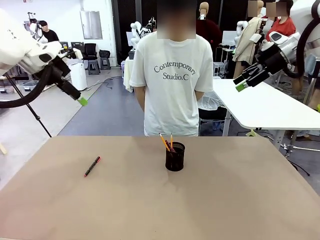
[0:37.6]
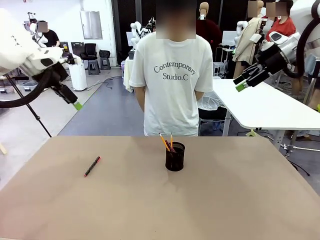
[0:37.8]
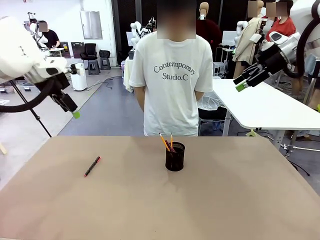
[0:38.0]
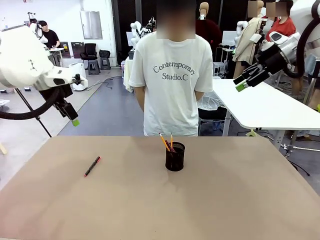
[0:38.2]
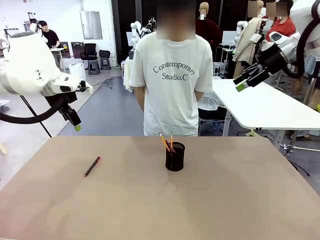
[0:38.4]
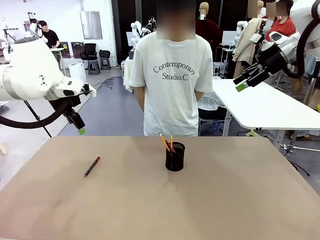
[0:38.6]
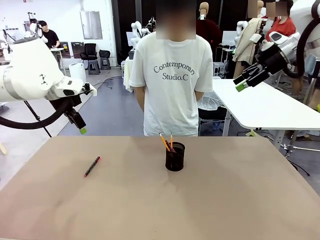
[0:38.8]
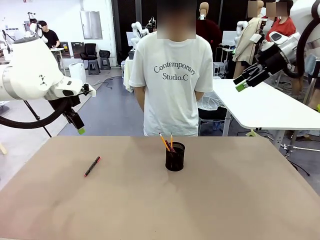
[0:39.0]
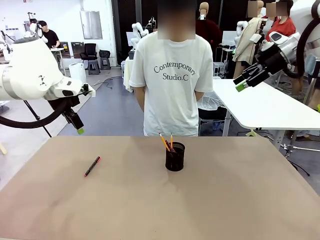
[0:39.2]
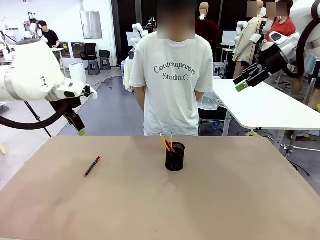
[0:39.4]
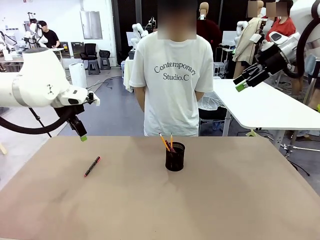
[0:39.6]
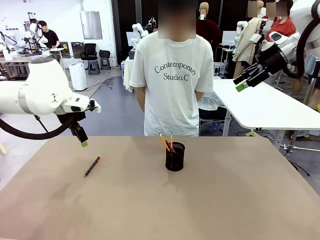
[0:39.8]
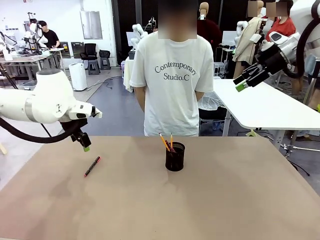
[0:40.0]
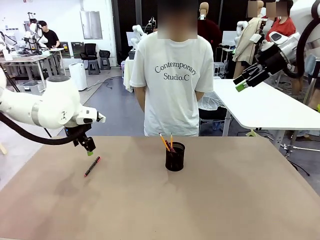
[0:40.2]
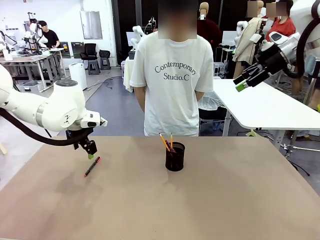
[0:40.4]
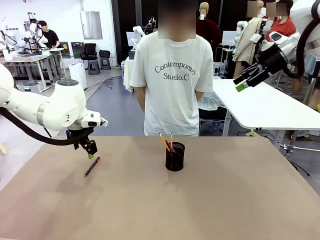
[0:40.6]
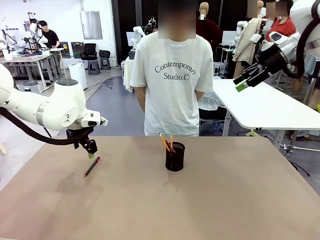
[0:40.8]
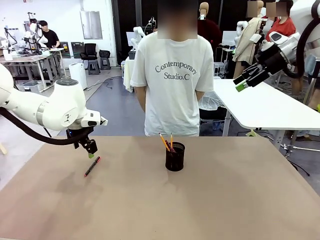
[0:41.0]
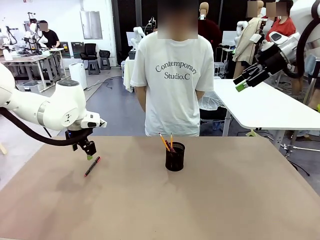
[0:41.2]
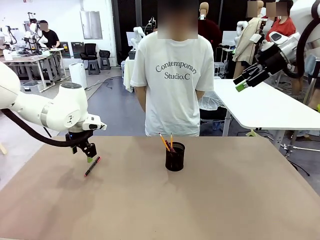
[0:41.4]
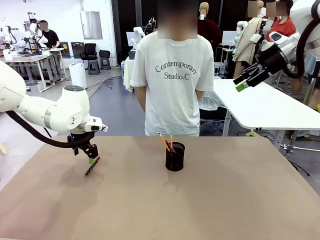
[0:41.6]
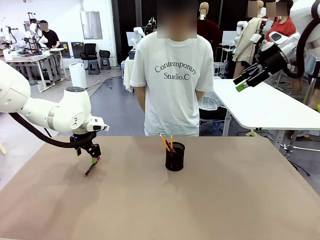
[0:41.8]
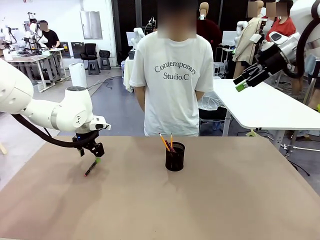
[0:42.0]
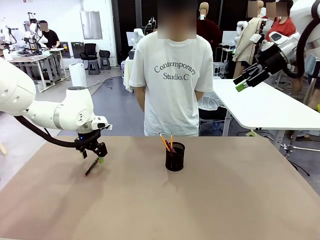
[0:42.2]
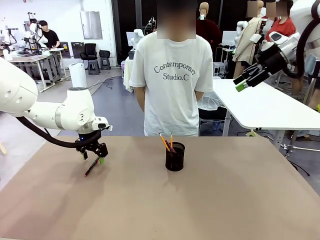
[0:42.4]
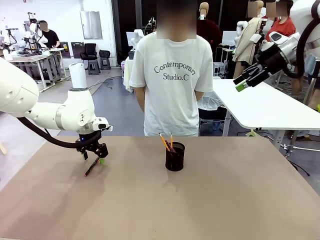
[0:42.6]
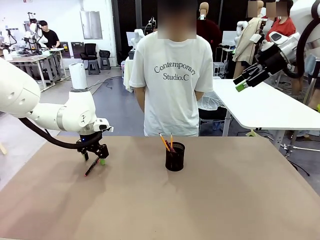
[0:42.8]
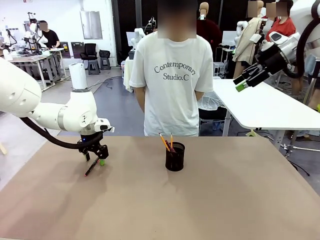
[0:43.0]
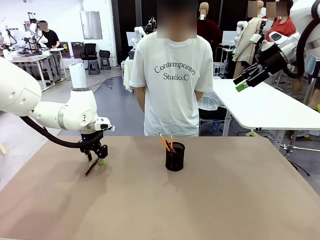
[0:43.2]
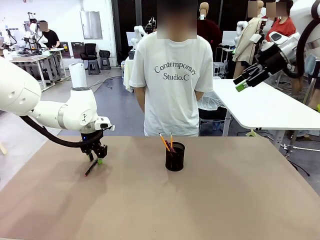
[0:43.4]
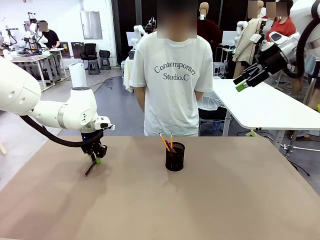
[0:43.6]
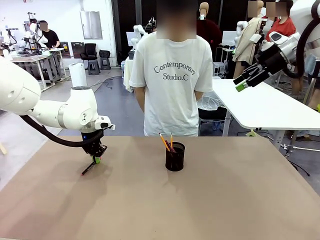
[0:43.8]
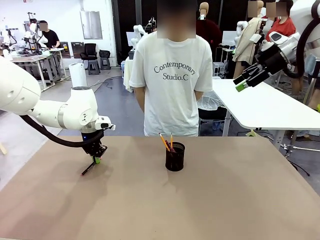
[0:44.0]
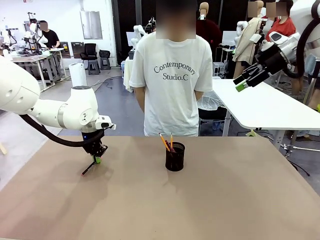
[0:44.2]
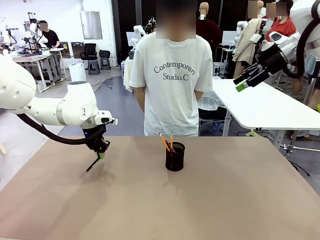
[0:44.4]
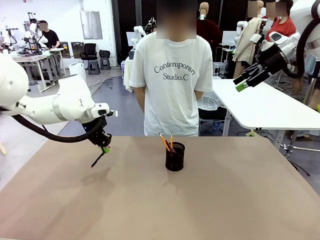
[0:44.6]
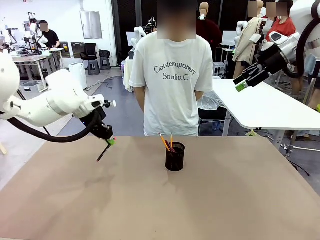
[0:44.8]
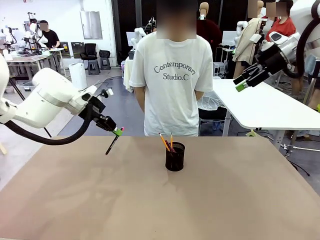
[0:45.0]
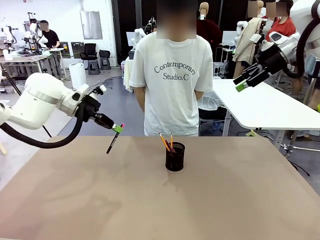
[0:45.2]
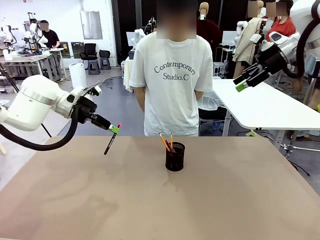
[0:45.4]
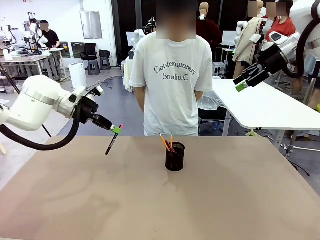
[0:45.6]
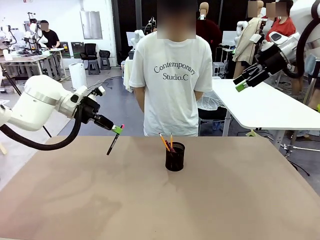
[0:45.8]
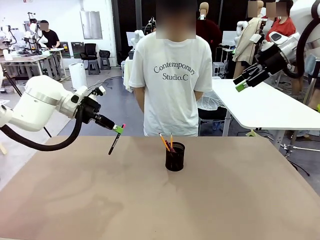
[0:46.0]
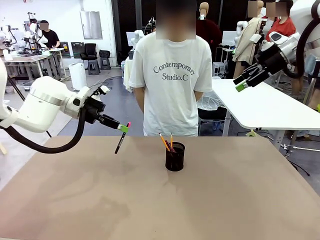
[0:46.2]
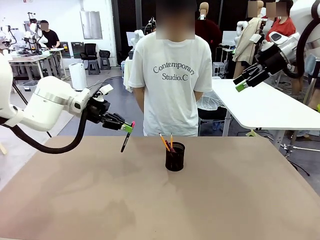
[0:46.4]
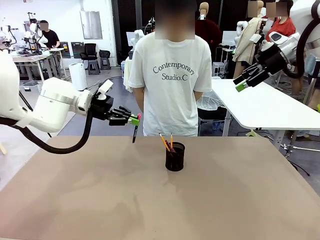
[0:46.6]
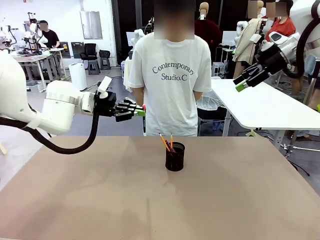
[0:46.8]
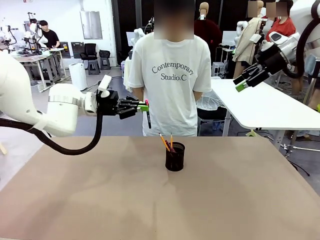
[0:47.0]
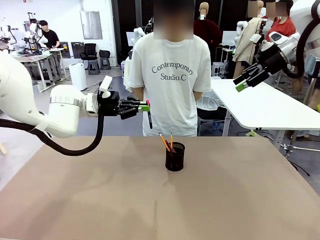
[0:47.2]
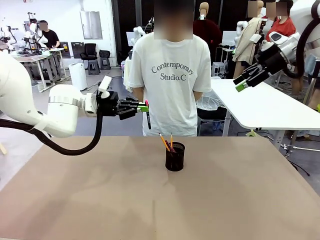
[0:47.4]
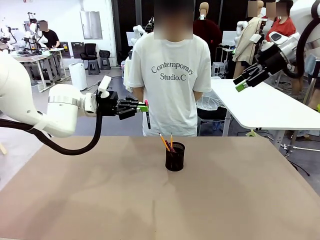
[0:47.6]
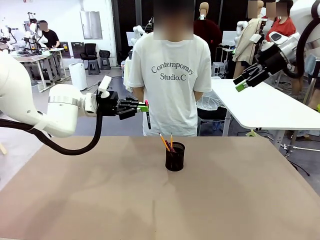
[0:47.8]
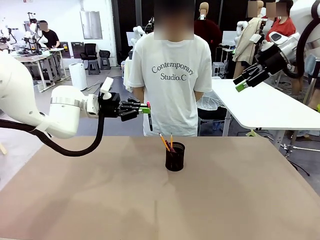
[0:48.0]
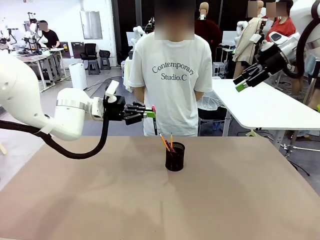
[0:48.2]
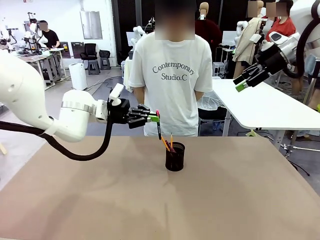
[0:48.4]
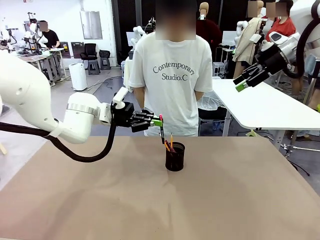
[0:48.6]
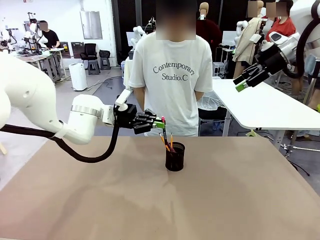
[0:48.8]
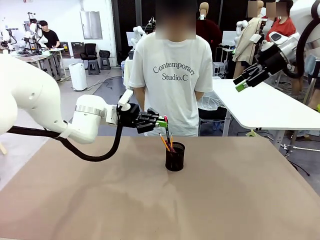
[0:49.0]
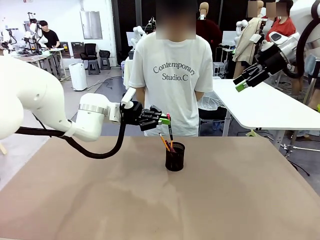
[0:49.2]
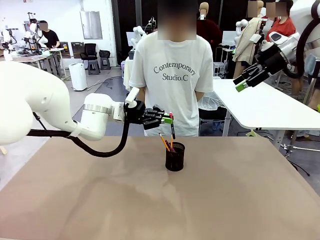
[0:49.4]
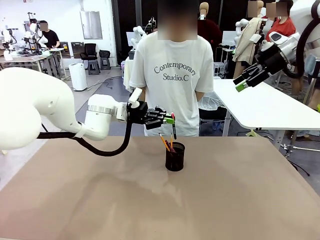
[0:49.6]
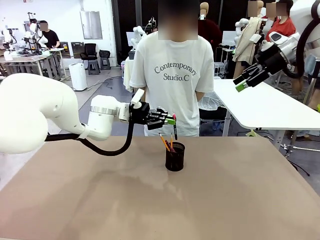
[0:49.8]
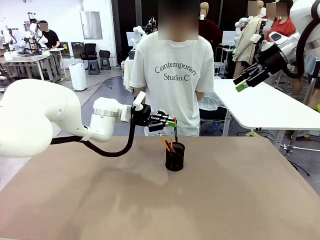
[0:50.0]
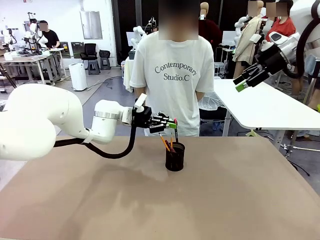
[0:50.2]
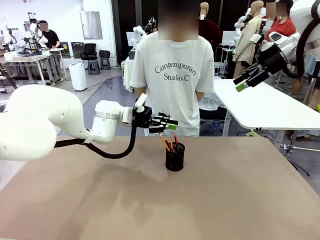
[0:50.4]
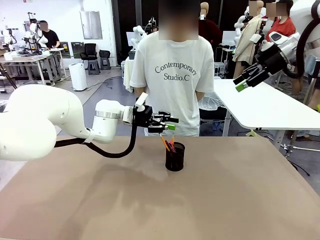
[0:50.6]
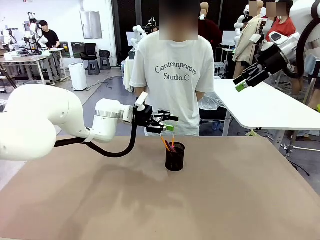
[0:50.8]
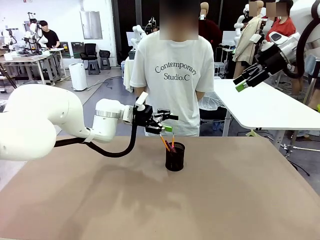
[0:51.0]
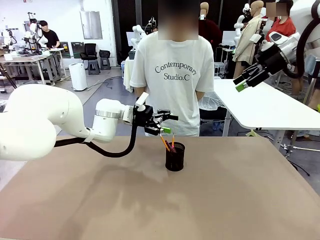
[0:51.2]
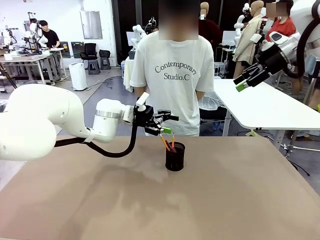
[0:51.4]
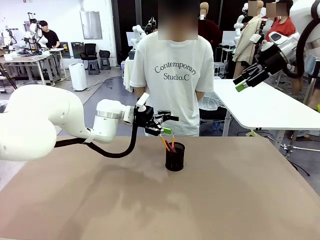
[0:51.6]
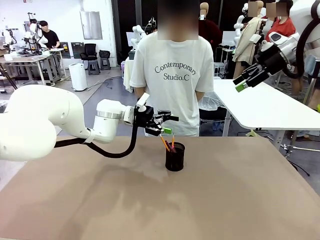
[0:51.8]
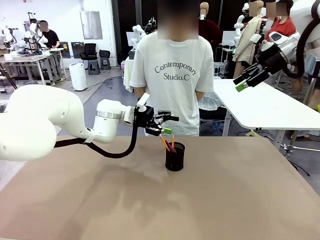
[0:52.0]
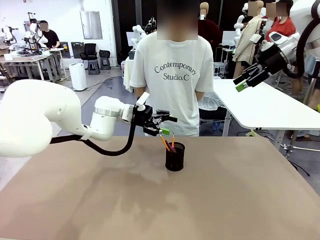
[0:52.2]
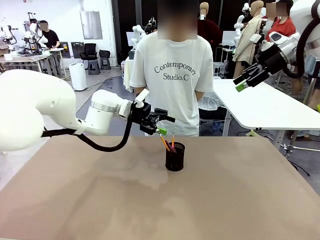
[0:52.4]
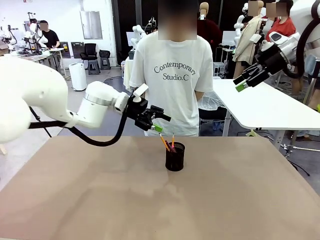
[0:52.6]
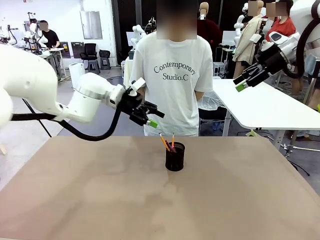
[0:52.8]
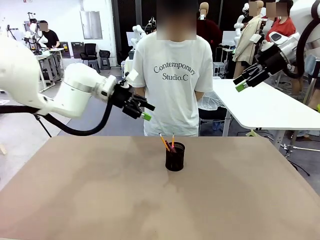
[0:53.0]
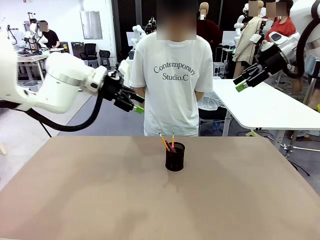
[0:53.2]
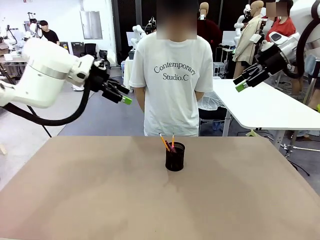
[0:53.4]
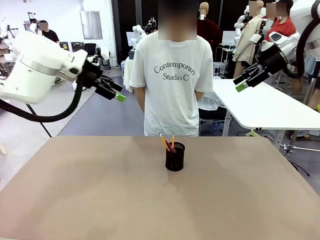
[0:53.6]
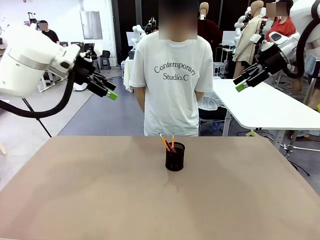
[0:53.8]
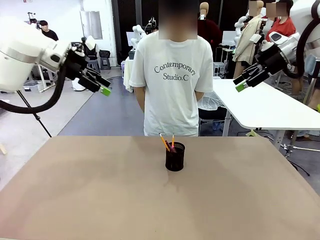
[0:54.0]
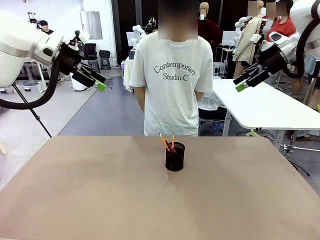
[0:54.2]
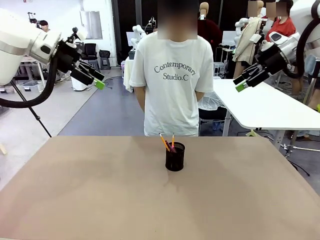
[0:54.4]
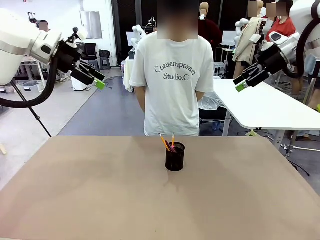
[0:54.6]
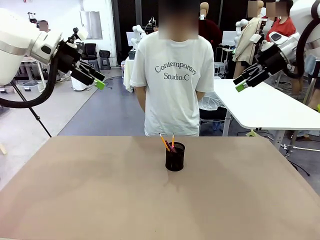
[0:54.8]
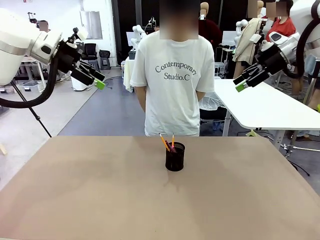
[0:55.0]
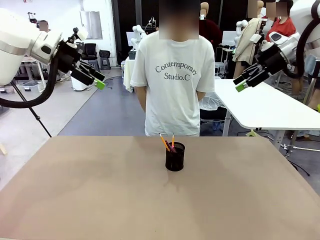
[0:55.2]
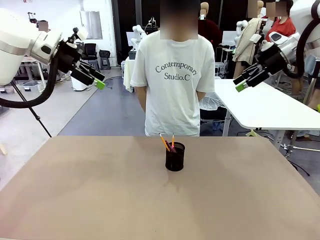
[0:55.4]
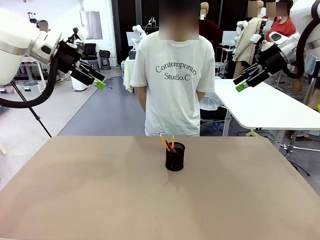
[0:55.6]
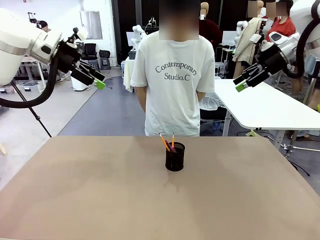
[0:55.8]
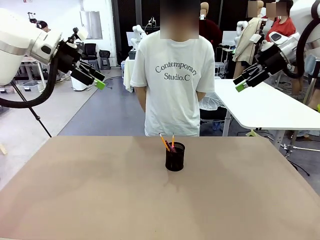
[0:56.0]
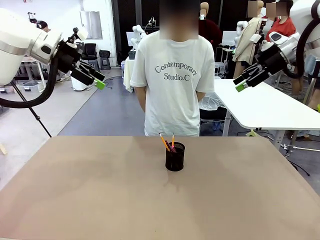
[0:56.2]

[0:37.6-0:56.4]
Task: Place the pens into the pen holder.
Robot: Pick up a writing instrument from the table and place it into the Pen holder.
